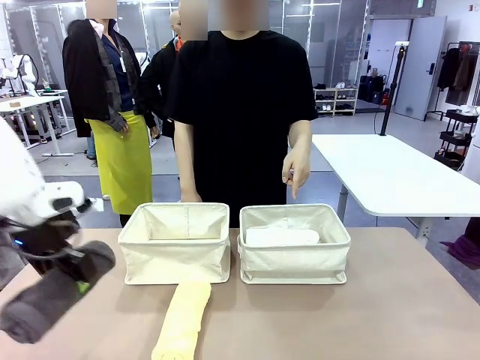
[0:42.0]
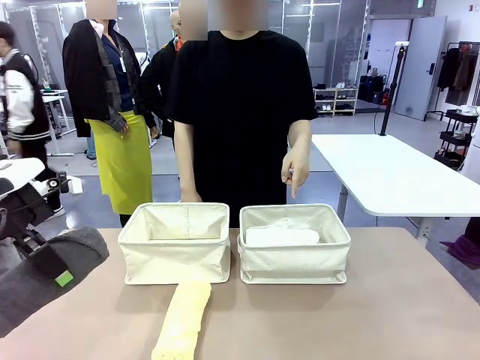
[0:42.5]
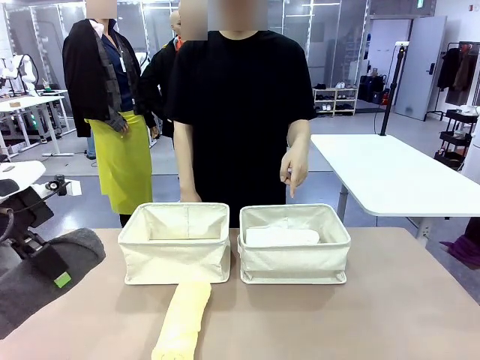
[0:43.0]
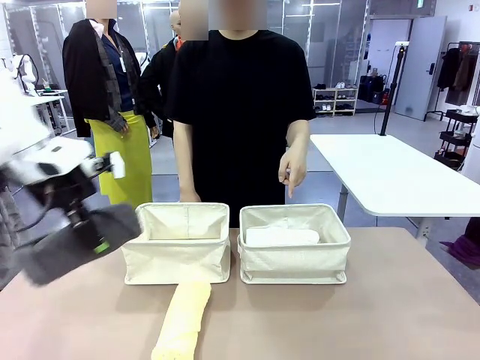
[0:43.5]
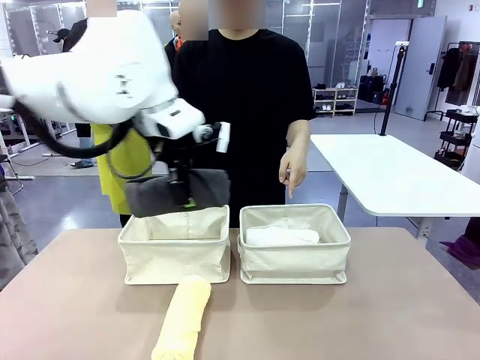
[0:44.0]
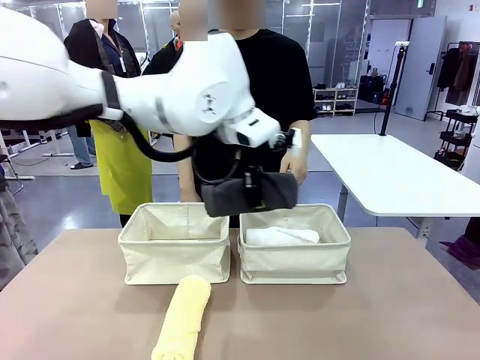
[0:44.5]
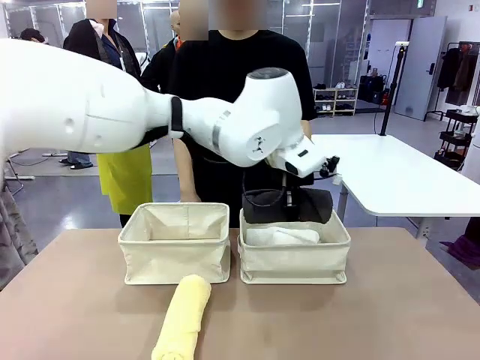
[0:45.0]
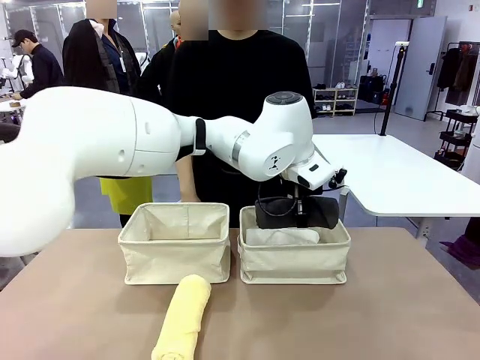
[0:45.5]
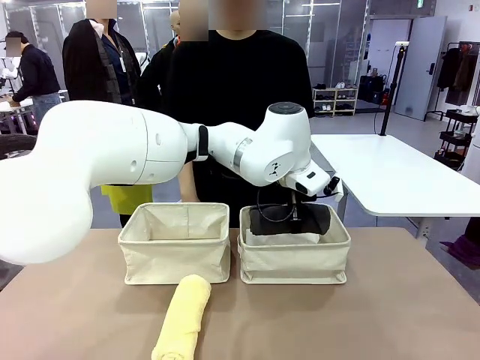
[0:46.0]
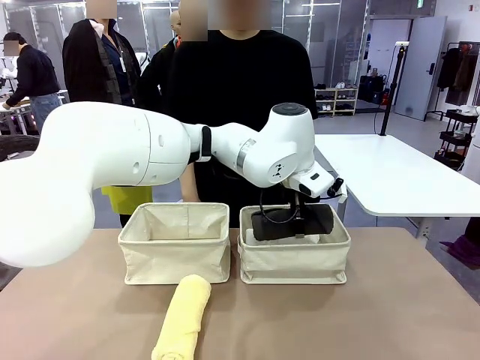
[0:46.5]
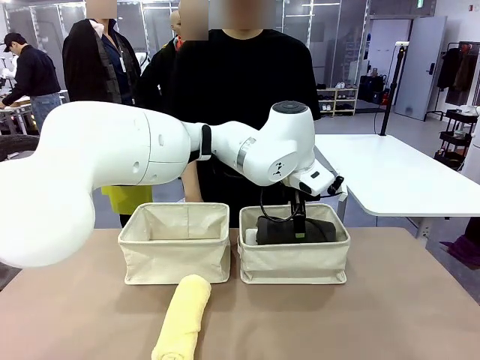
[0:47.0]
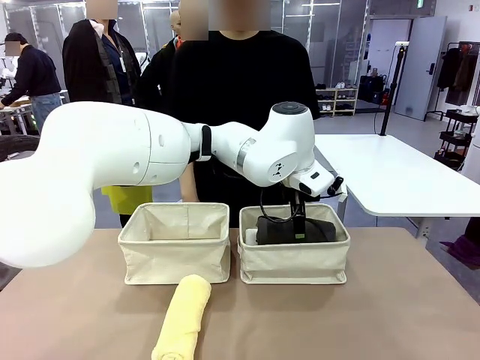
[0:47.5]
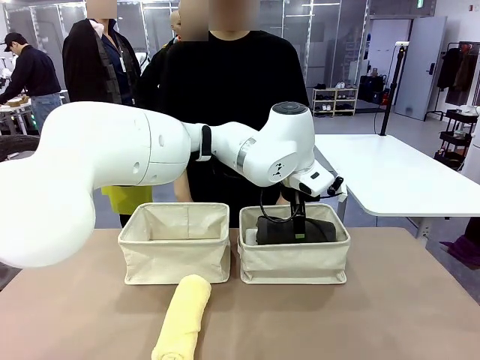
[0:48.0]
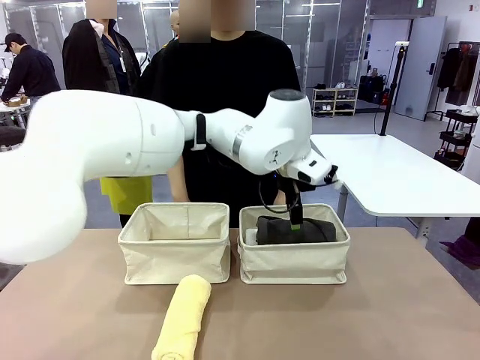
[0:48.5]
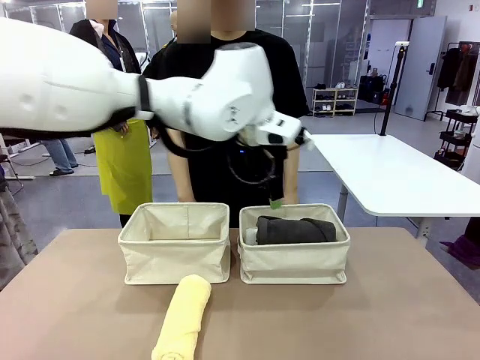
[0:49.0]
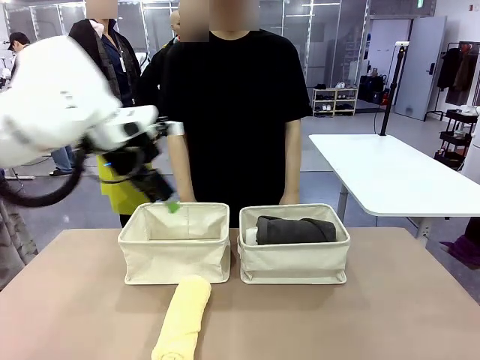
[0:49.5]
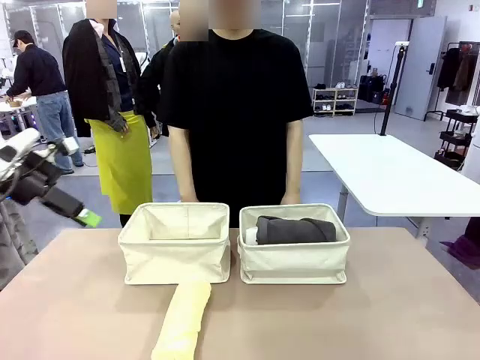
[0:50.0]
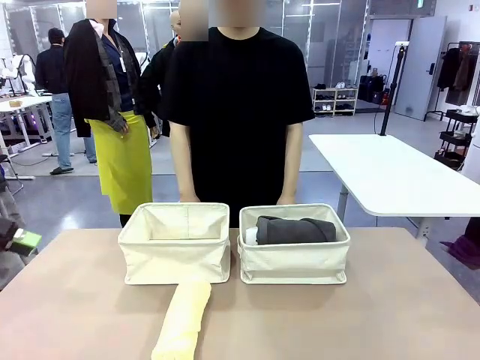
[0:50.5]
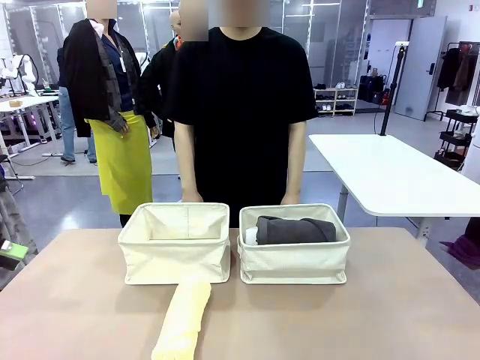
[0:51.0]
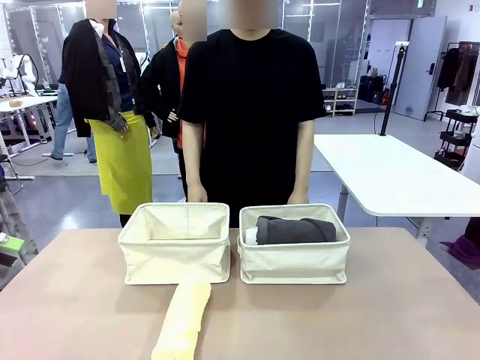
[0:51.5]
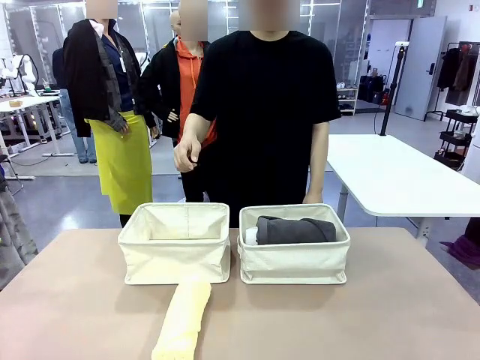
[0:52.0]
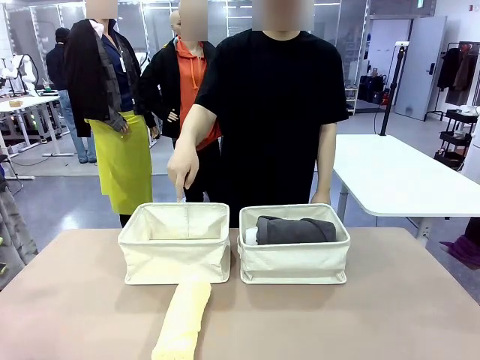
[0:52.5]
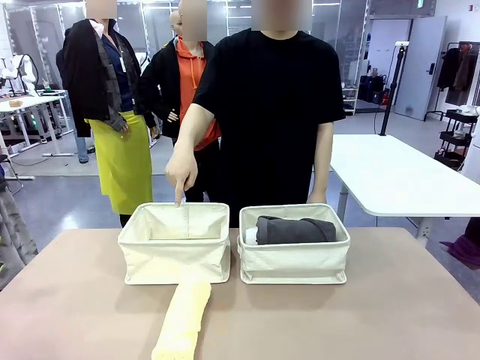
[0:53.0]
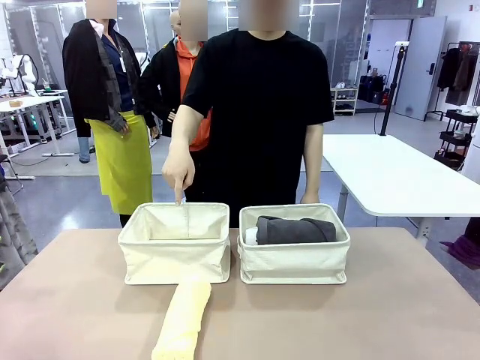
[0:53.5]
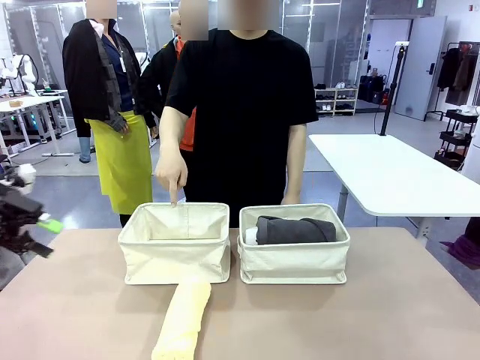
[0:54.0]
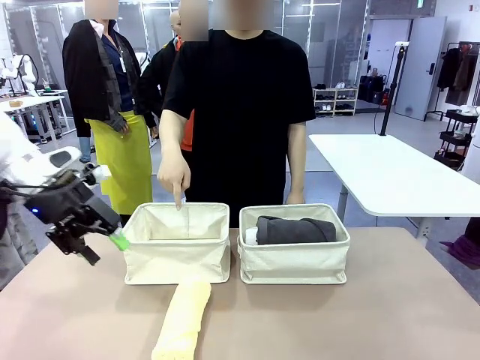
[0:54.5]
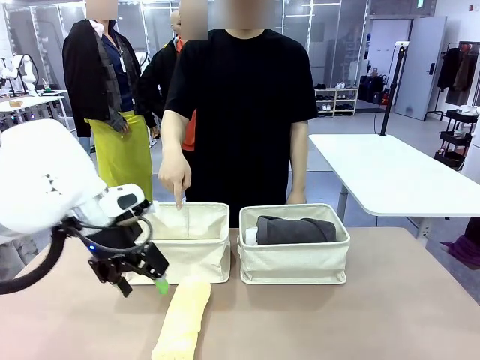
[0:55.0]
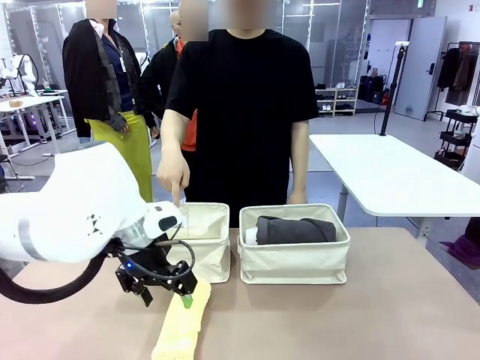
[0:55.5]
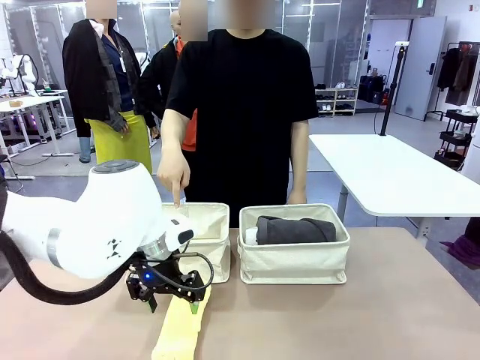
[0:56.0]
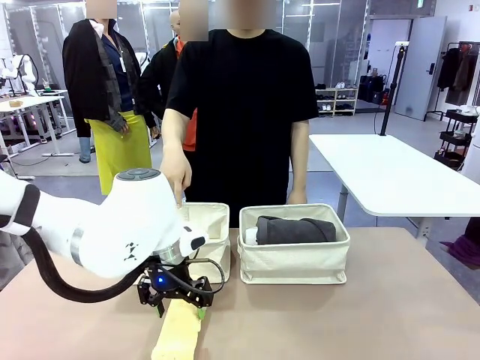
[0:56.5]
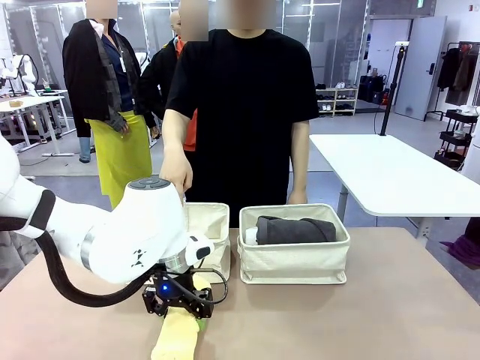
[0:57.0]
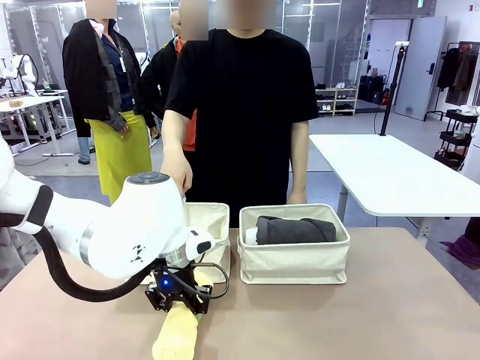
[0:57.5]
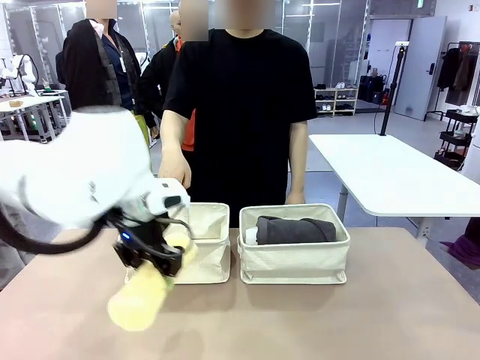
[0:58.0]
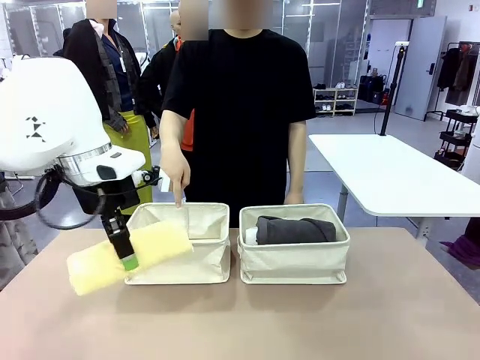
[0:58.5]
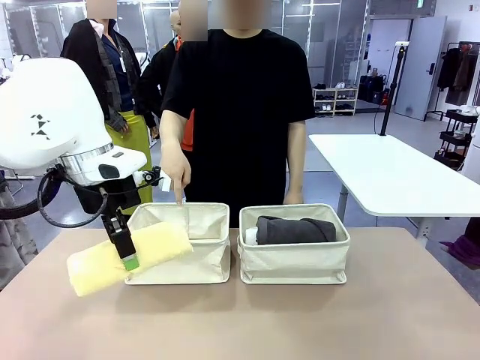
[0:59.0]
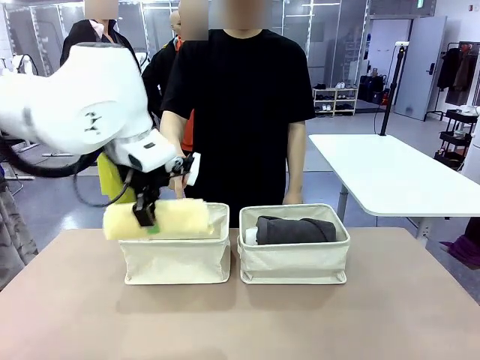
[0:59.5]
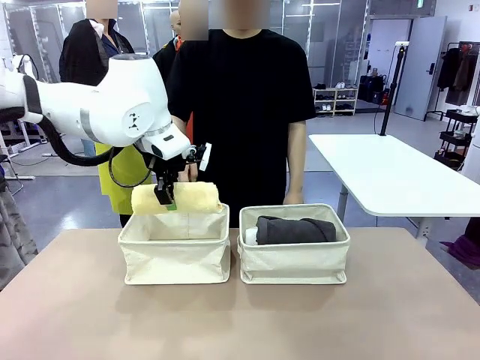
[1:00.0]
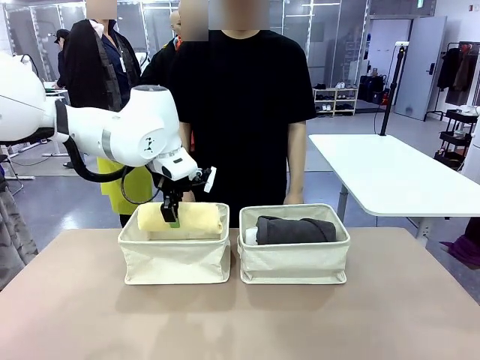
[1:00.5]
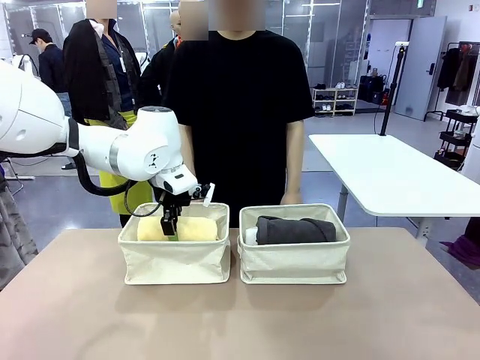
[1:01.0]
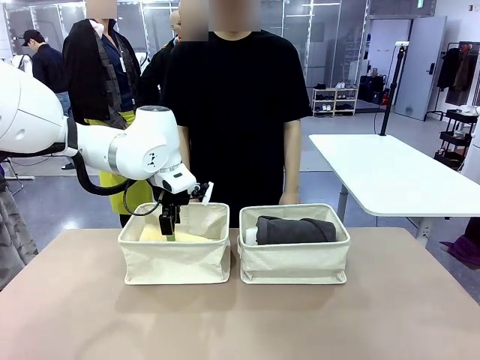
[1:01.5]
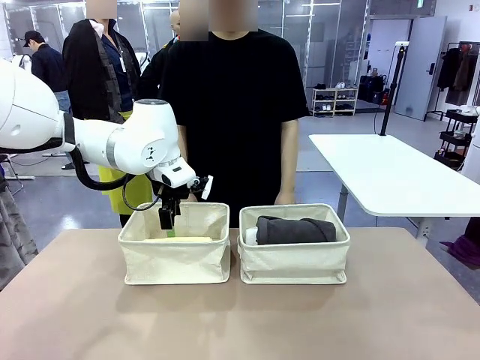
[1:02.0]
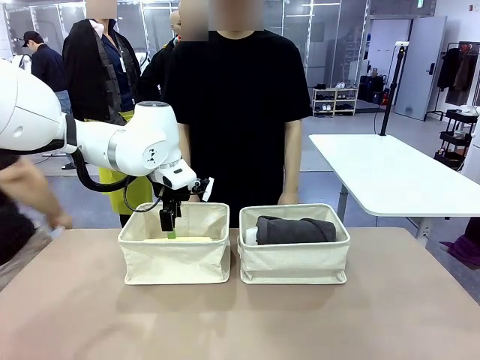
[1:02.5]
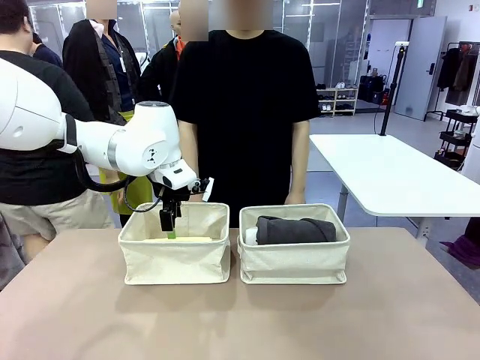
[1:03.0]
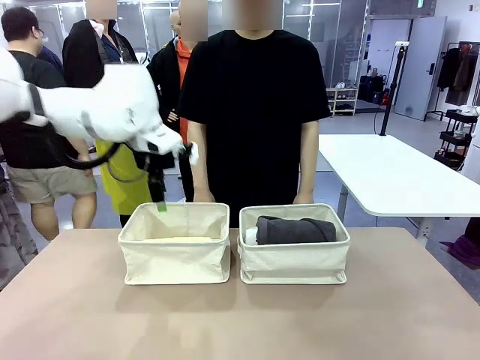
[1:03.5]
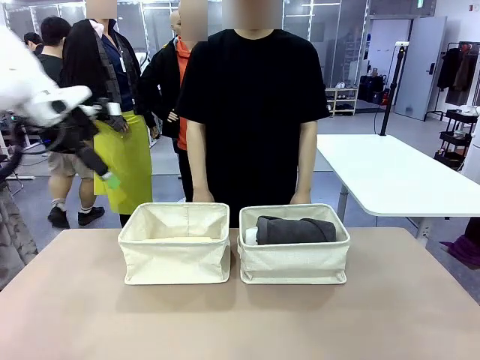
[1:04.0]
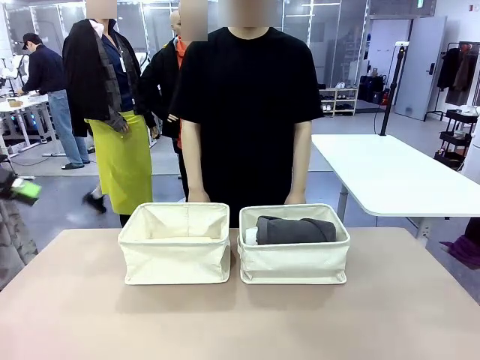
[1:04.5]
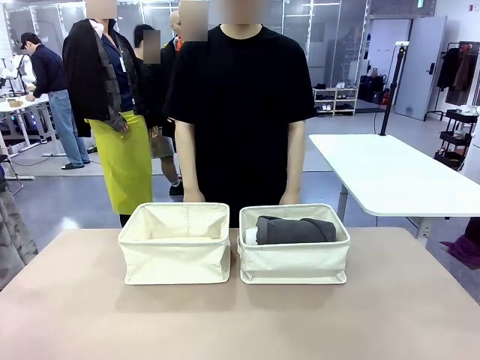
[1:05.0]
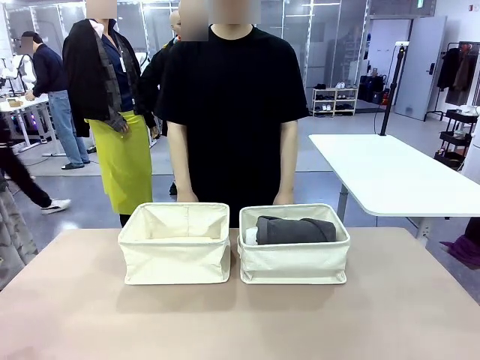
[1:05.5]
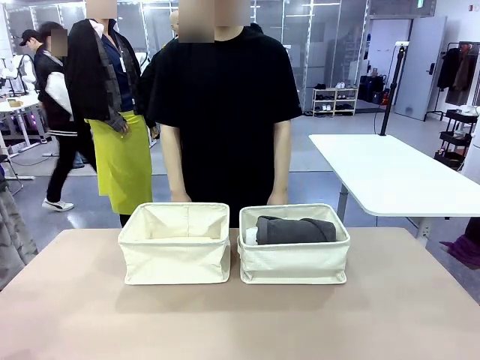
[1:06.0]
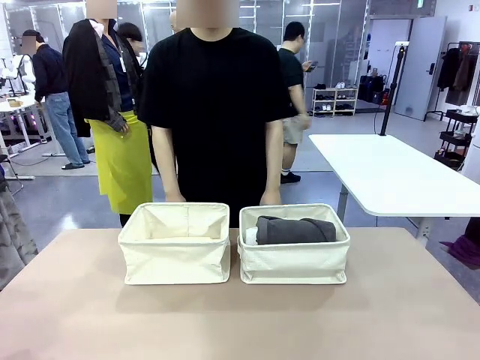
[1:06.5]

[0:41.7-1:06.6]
Task: Divide the towels into two baskets.
Robot: Pick up one hotel-folded towel from the bottom of the table and place it in the Fabric basket indicated by the person.
